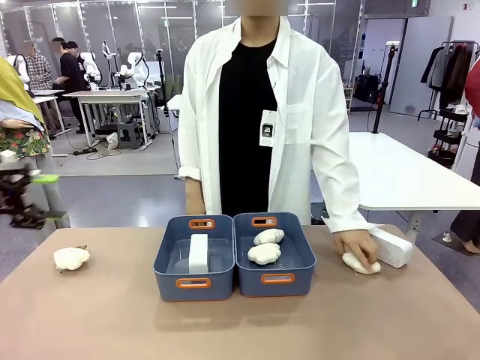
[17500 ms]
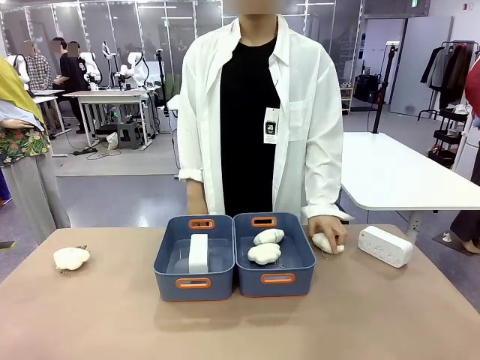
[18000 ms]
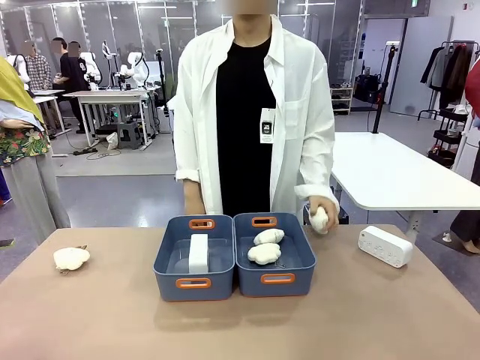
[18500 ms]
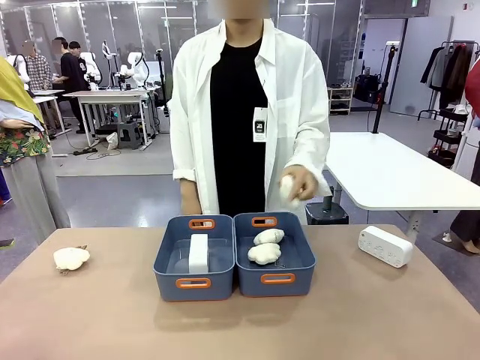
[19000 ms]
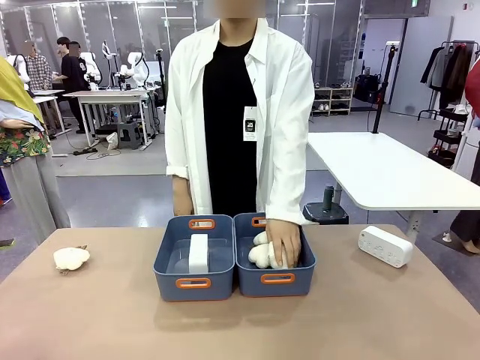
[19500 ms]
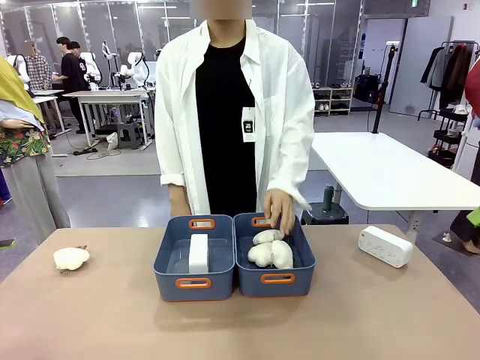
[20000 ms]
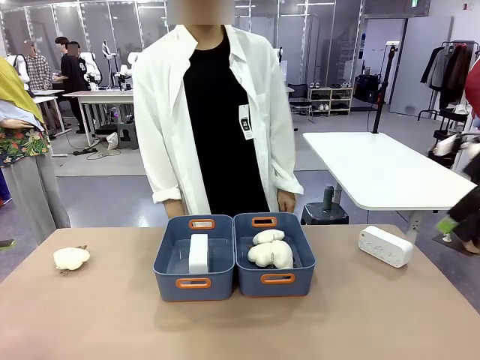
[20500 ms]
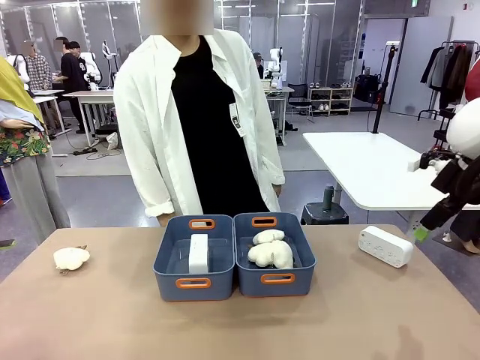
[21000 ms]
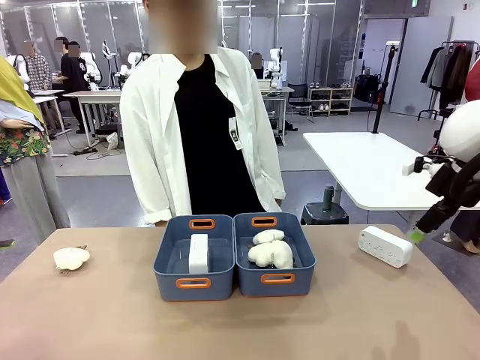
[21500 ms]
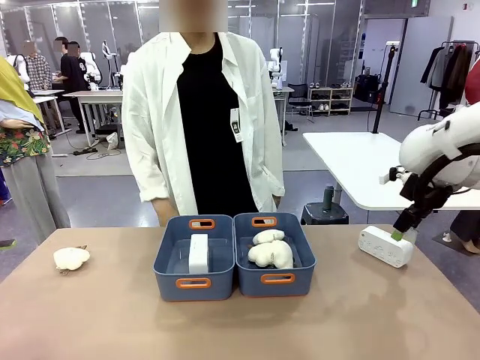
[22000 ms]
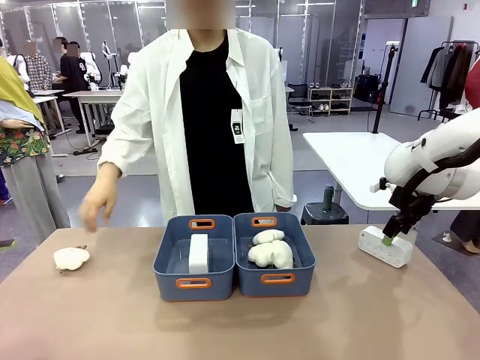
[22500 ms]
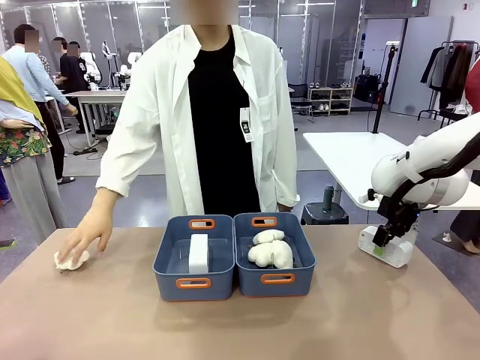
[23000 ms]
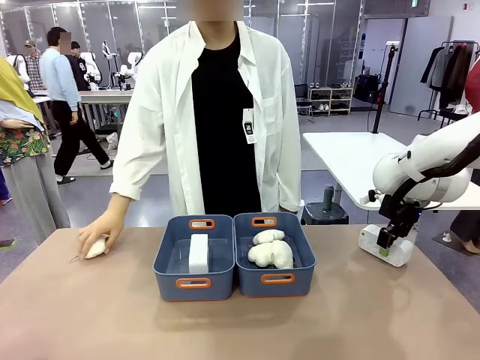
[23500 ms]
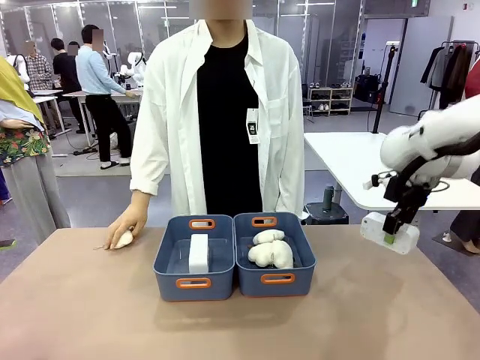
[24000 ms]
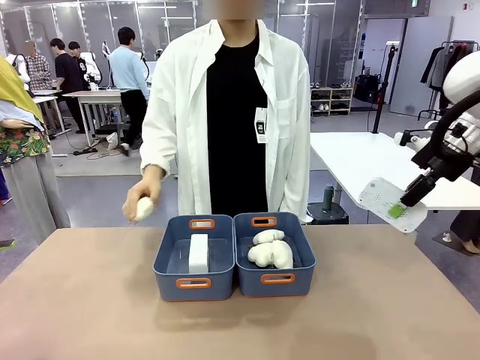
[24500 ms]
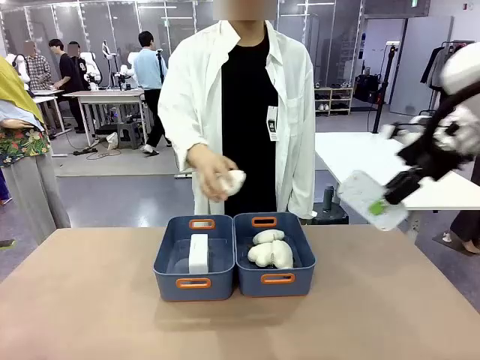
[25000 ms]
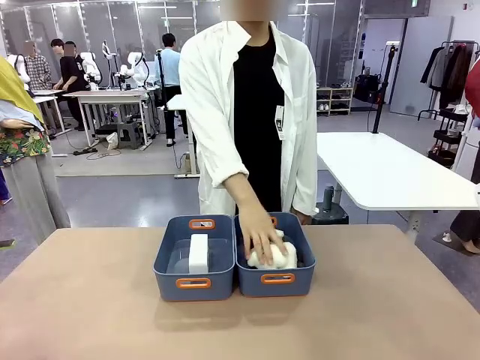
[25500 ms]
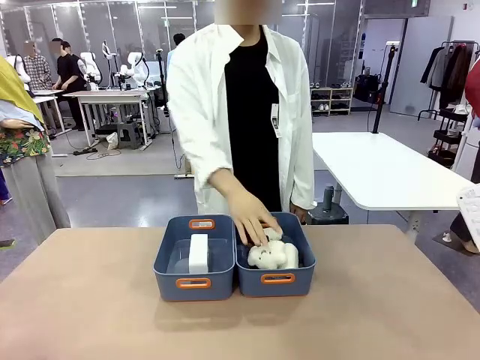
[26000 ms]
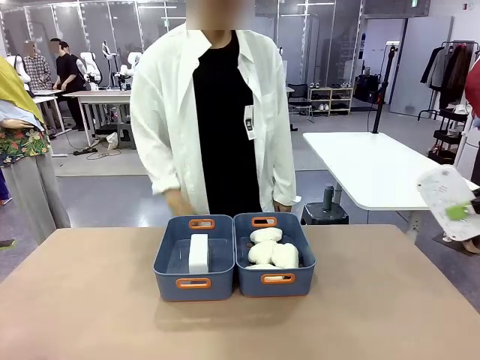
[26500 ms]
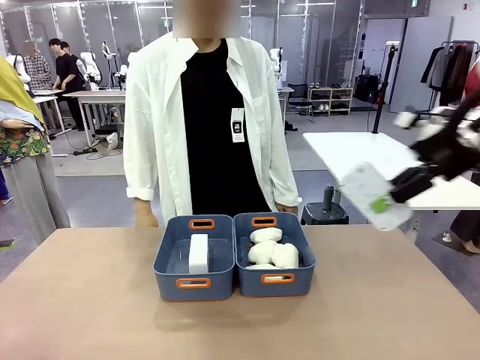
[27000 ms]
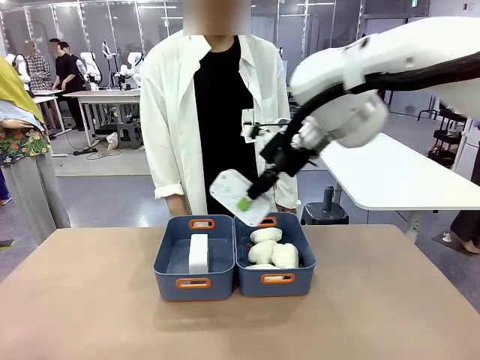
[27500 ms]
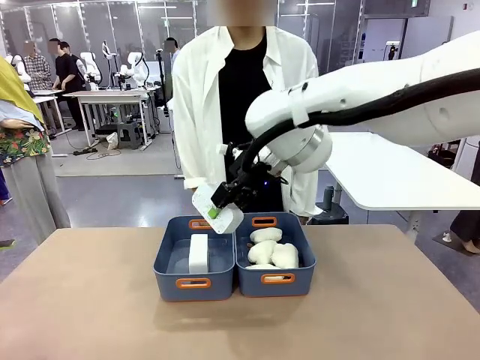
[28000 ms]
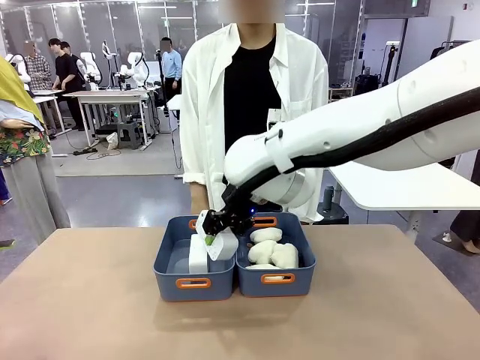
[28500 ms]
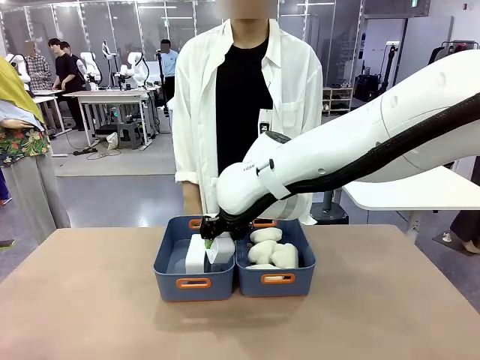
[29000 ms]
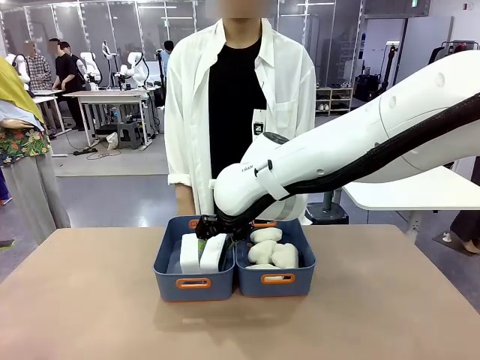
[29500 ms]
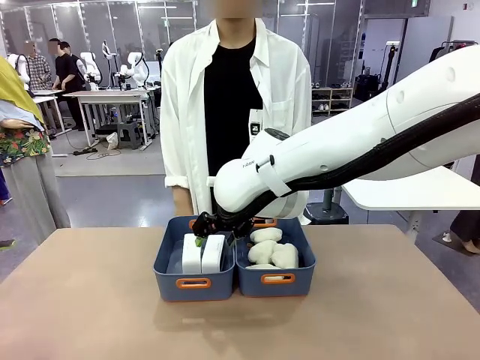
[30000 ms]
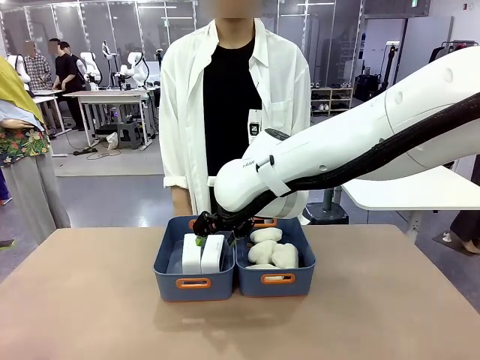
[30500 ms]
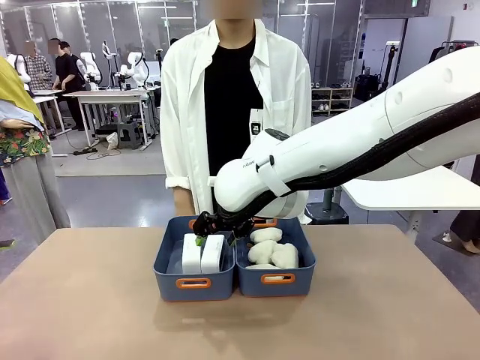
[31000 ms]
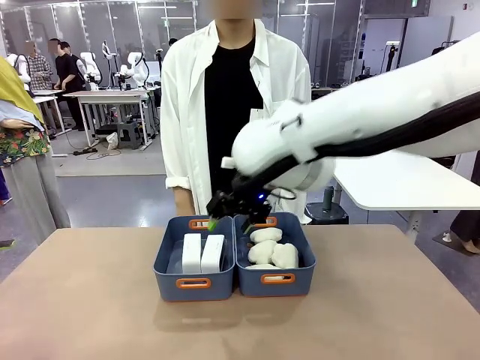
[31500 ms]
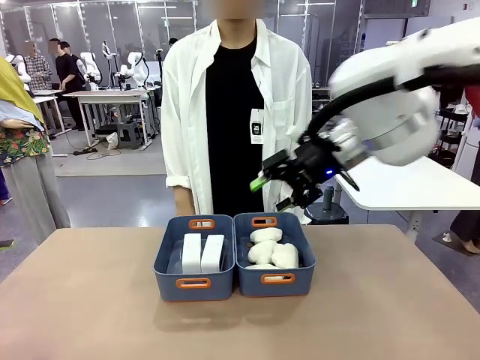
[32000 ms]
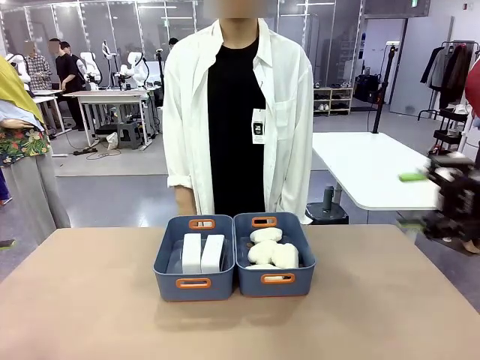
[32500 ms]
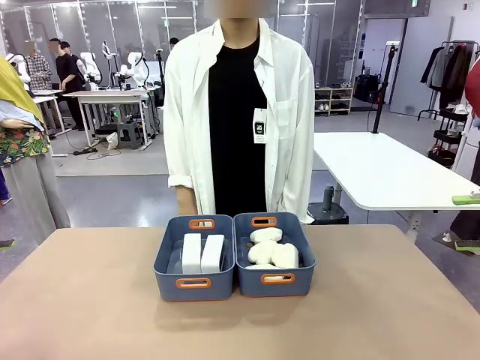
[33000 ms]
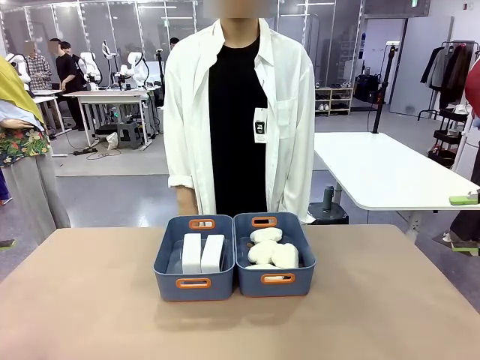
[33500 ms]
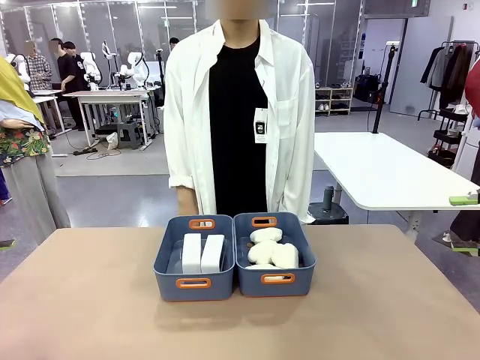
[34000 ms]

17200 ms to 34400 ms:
Task: Sort the digital clocks into the basket.
Robot: Pick up the Digital clock from the table and place it into the empty Plastic storage basket.
Person: Pick up a plush toy from the table and place it in the plastic storage basket containing the plush toy.

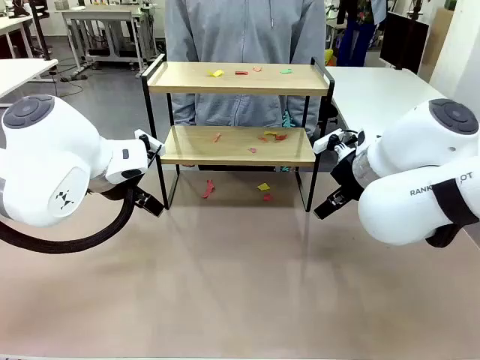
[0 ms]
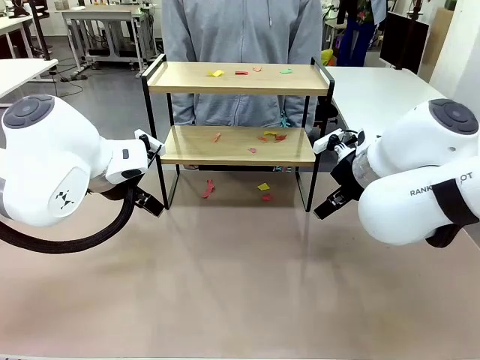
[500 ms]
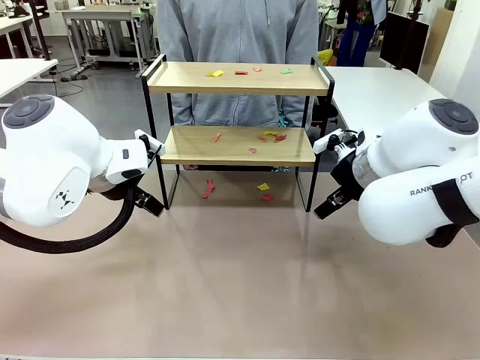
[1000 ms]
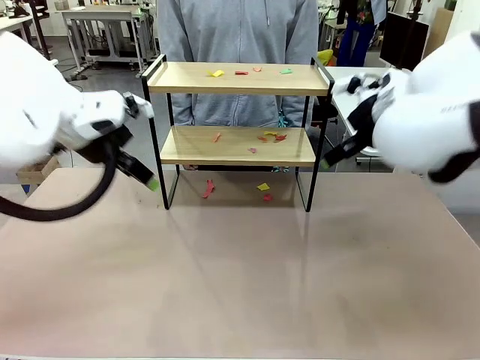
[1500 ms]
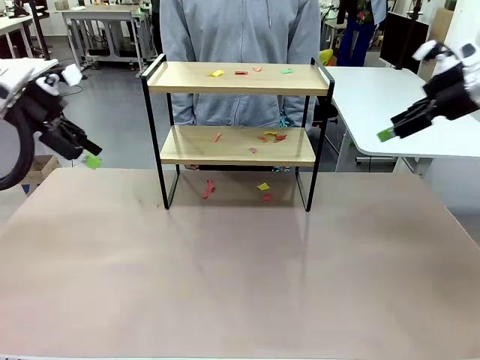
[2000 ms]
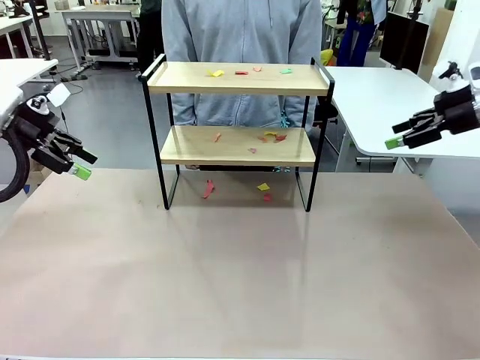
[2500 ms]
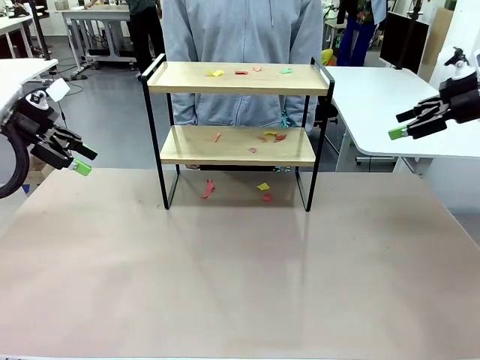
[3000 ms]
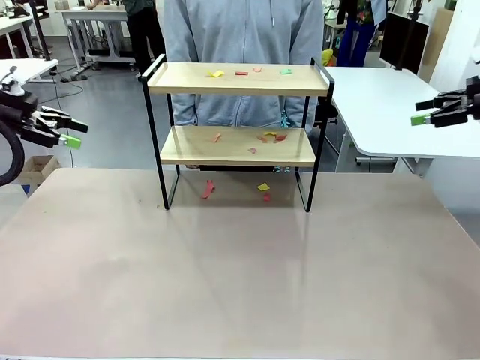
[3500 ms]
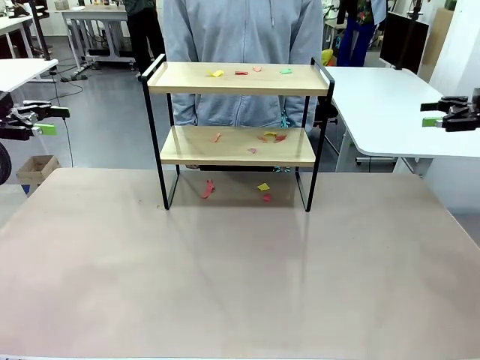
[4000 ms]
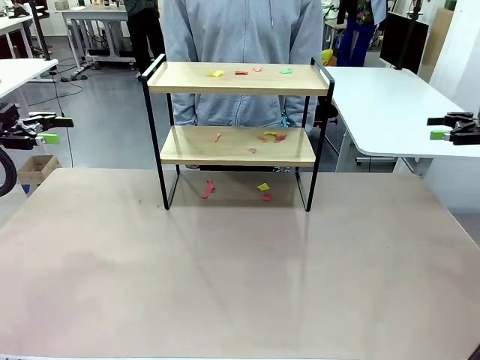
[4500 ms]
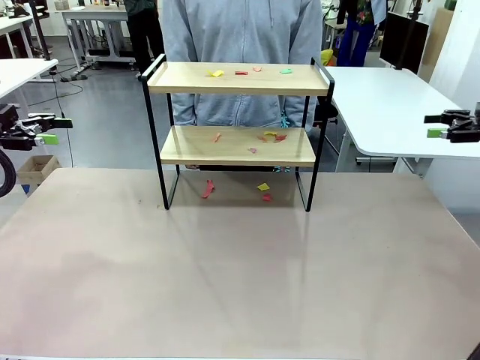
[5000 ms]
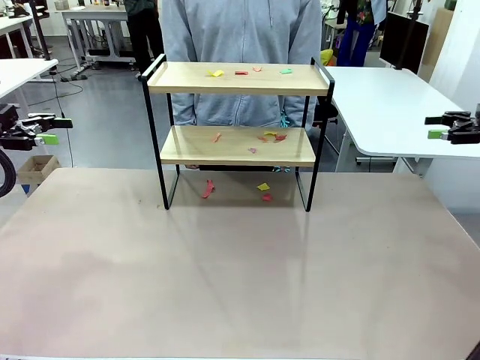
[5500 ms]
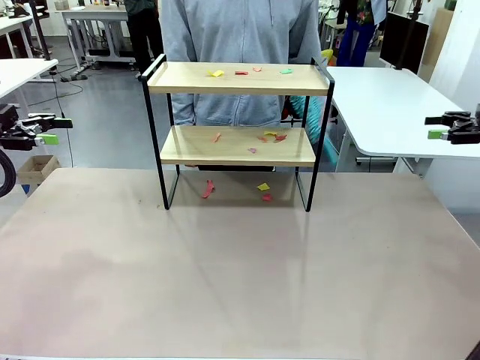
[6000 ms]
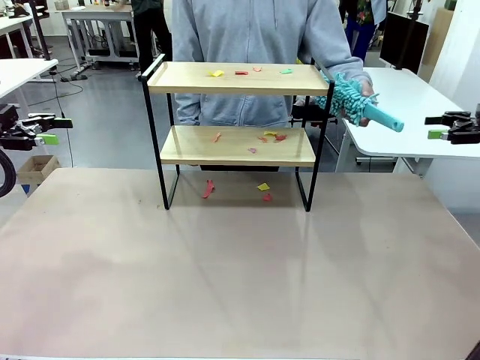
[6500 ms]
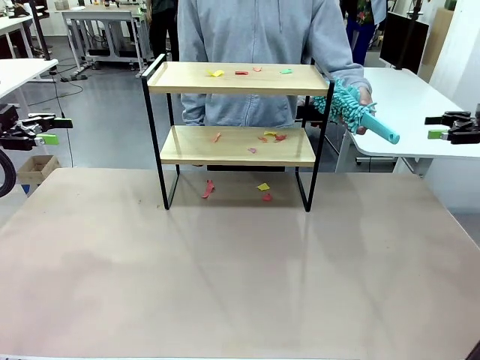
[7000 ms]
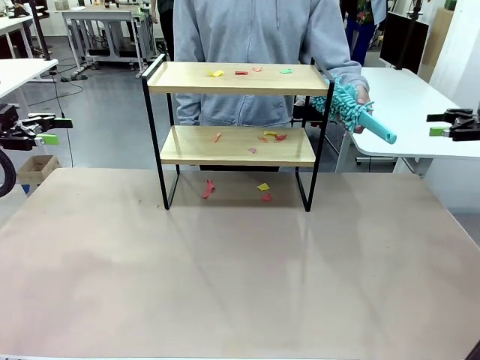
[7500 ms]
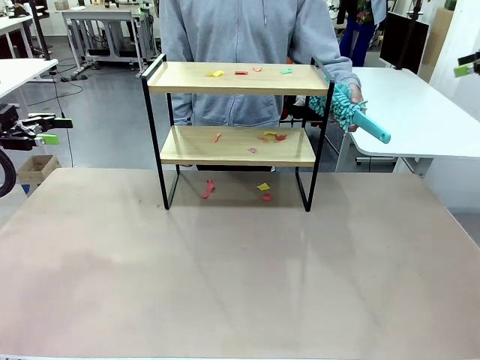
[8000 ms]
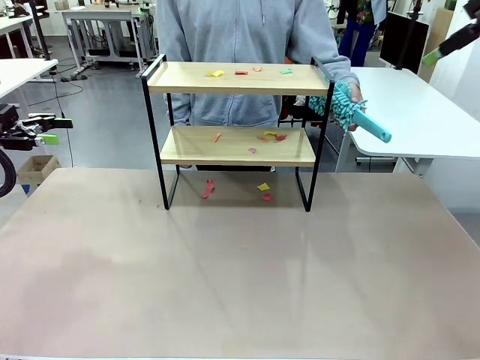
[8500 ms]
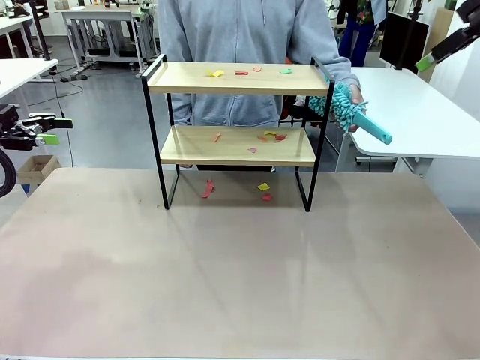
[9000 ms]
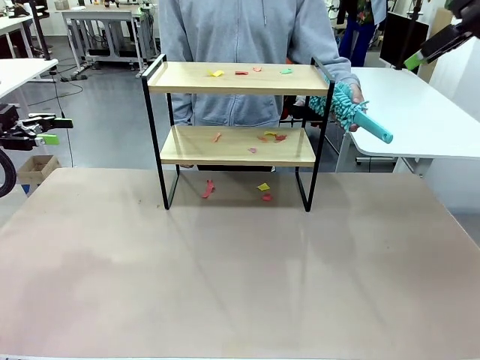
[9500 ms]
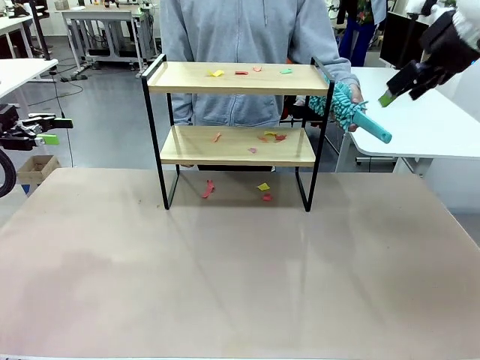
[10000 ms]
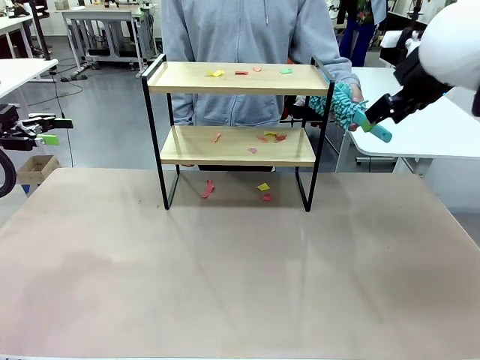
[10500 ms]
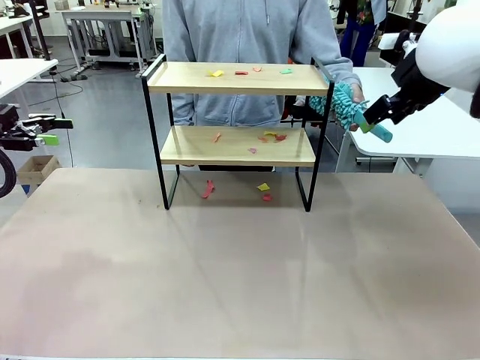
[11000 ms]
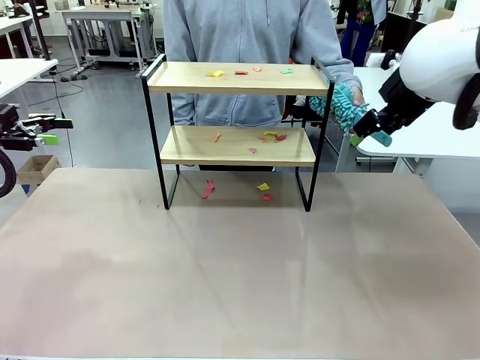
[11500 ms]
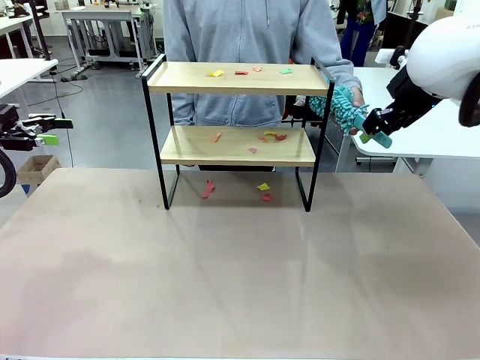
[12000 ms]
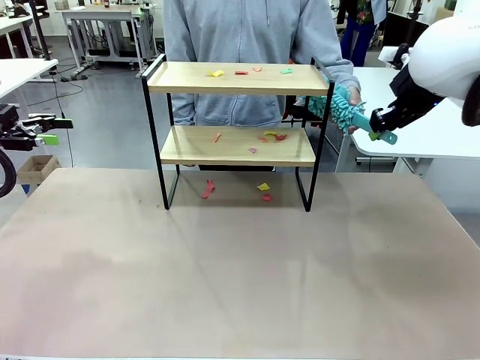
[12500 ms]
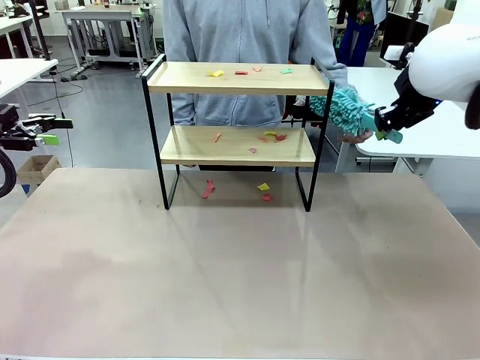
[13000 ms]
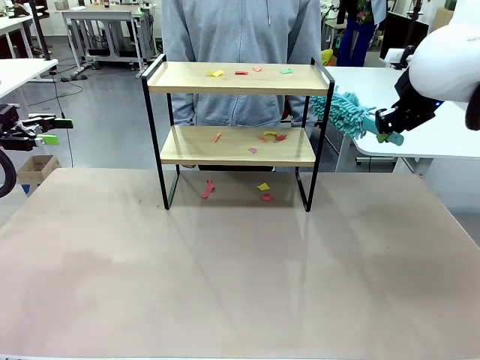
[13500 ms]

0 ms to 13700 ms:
Task: Clean the shelf.
Robot: Pick up the Duster handed by the human.
Person: Hand the Duster to the robot.
